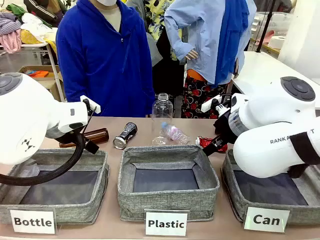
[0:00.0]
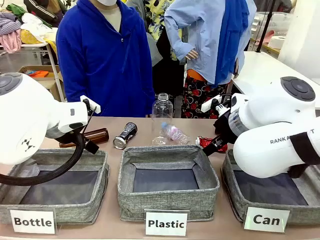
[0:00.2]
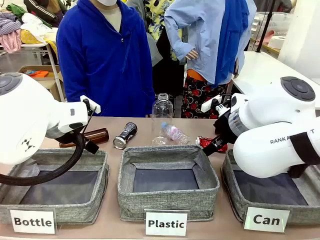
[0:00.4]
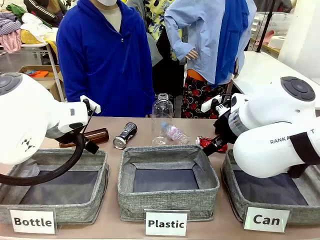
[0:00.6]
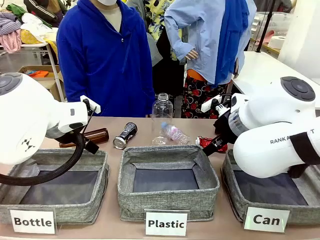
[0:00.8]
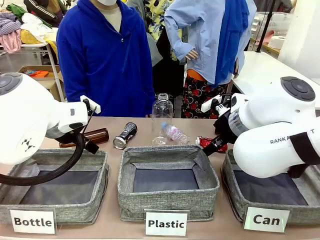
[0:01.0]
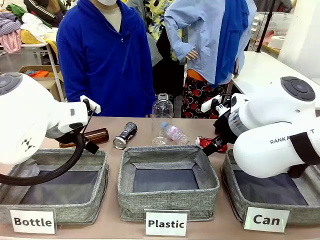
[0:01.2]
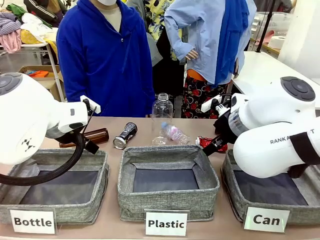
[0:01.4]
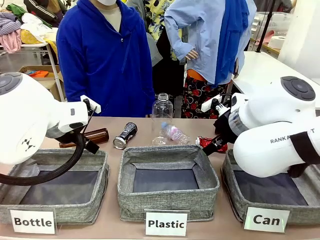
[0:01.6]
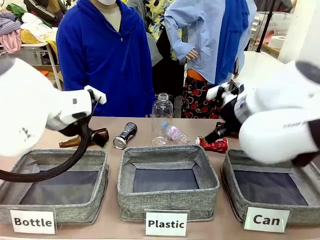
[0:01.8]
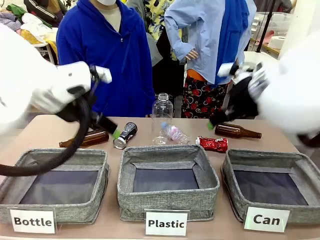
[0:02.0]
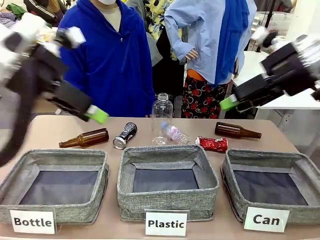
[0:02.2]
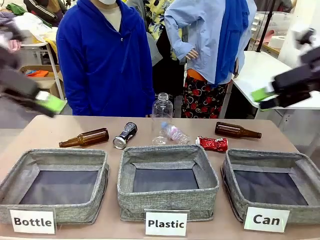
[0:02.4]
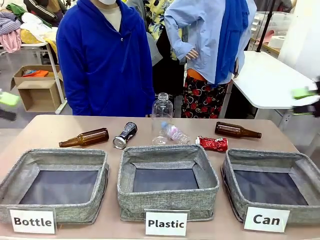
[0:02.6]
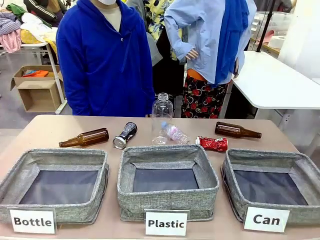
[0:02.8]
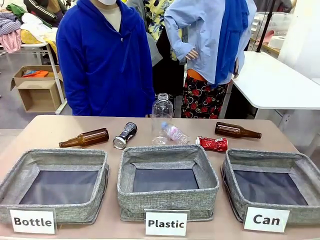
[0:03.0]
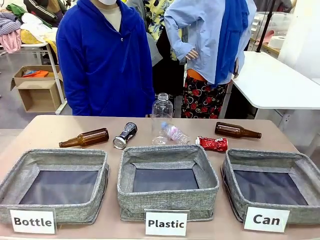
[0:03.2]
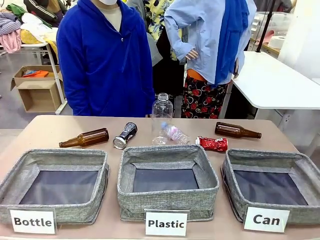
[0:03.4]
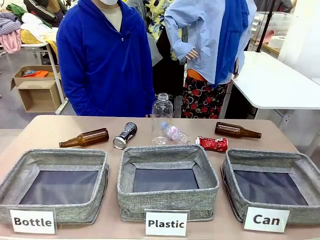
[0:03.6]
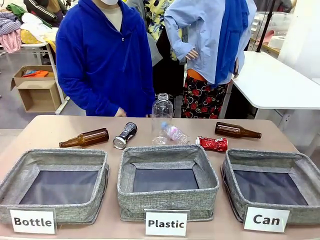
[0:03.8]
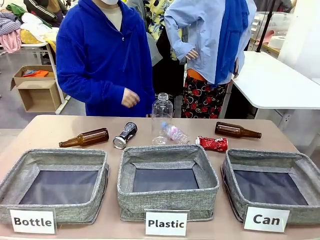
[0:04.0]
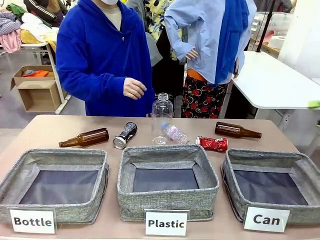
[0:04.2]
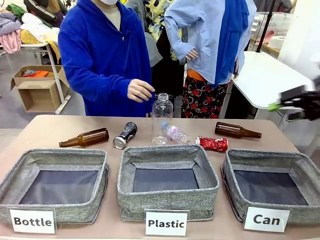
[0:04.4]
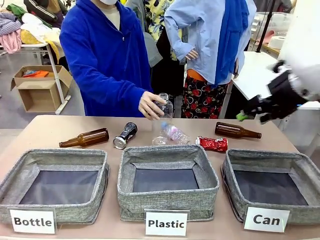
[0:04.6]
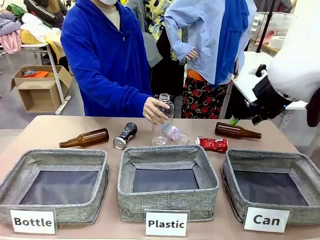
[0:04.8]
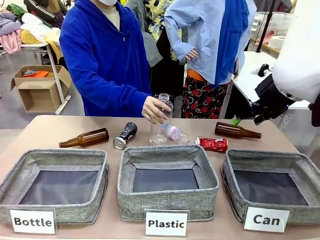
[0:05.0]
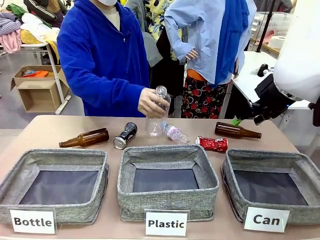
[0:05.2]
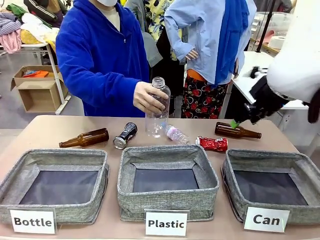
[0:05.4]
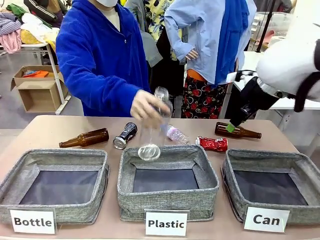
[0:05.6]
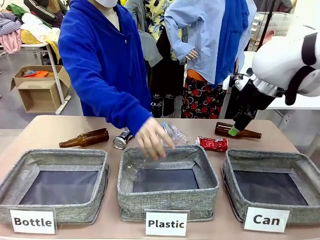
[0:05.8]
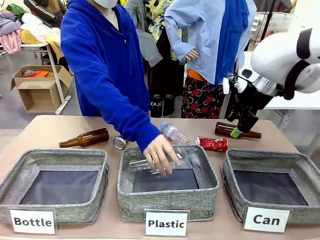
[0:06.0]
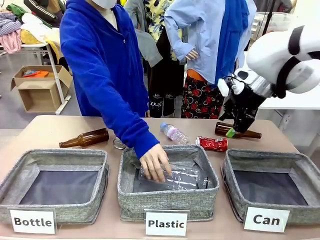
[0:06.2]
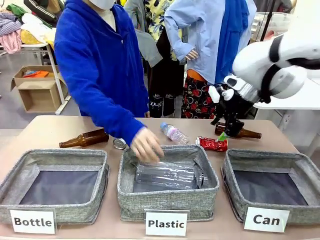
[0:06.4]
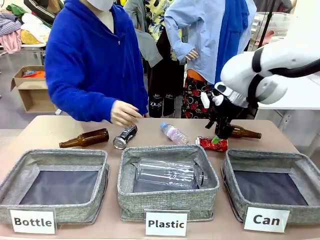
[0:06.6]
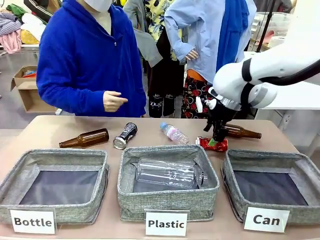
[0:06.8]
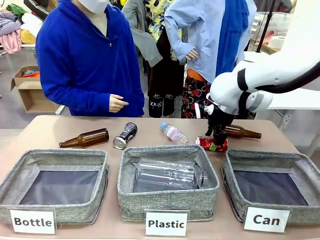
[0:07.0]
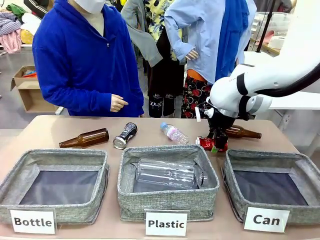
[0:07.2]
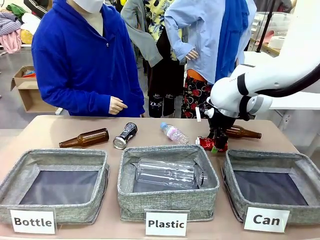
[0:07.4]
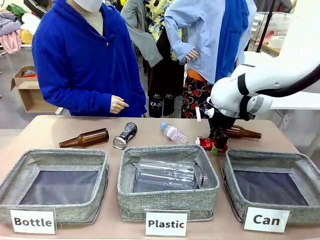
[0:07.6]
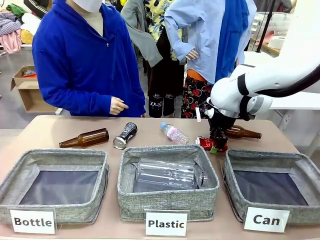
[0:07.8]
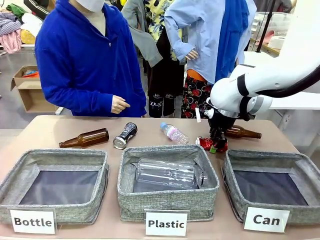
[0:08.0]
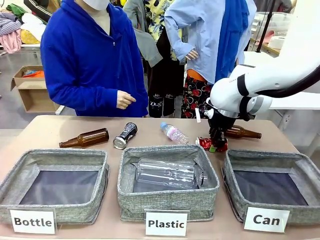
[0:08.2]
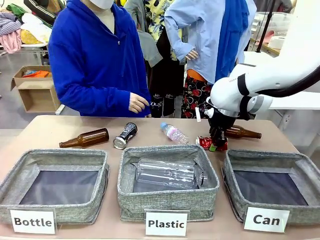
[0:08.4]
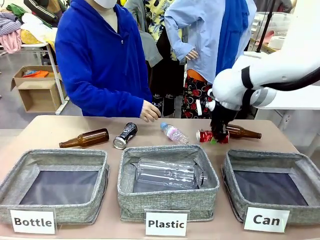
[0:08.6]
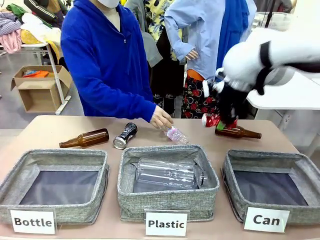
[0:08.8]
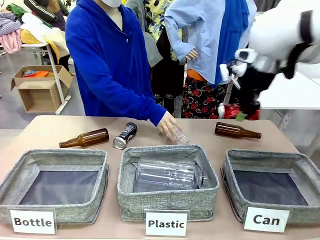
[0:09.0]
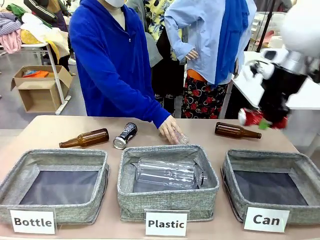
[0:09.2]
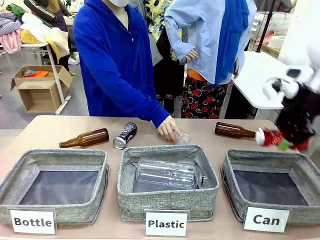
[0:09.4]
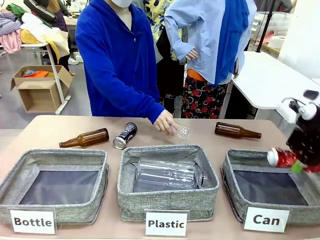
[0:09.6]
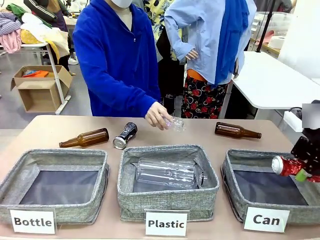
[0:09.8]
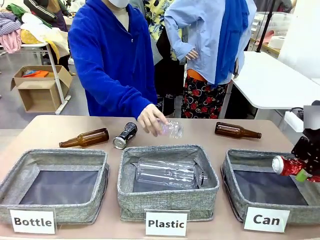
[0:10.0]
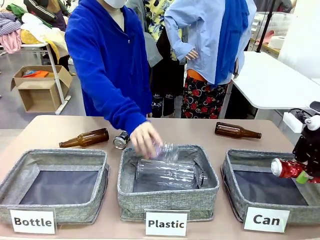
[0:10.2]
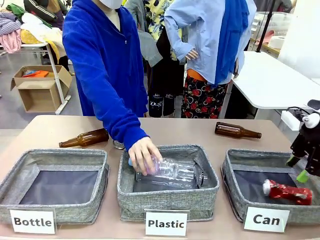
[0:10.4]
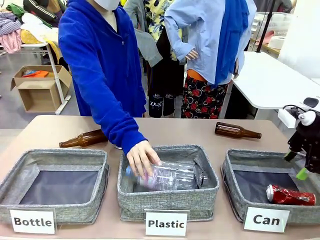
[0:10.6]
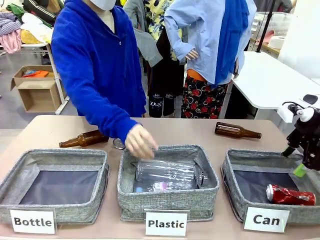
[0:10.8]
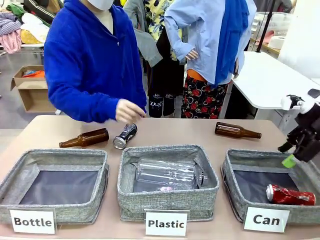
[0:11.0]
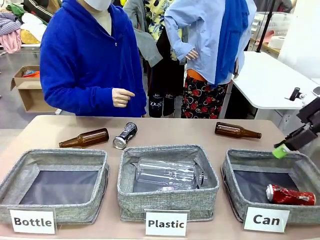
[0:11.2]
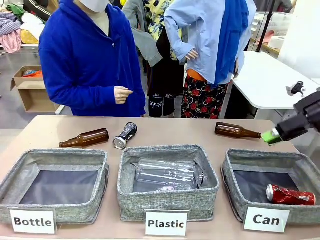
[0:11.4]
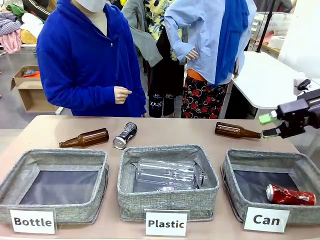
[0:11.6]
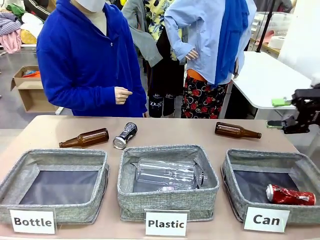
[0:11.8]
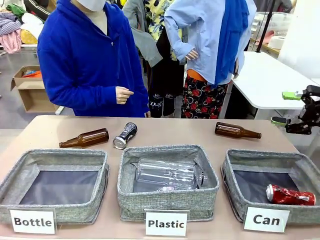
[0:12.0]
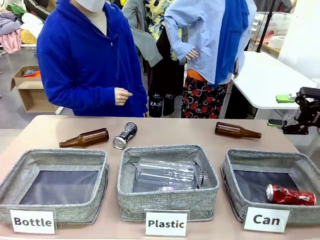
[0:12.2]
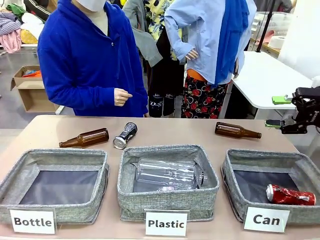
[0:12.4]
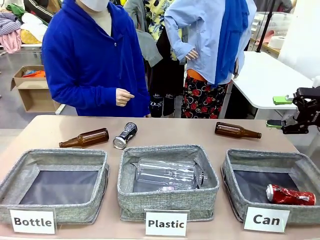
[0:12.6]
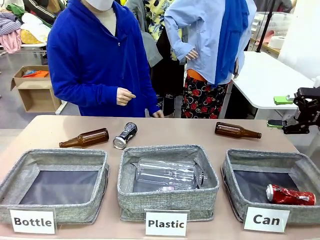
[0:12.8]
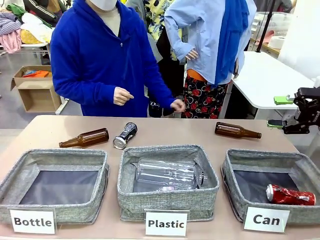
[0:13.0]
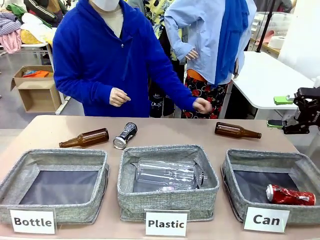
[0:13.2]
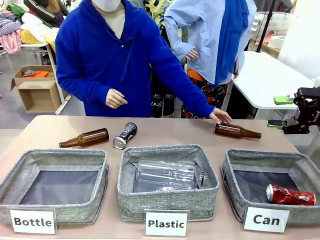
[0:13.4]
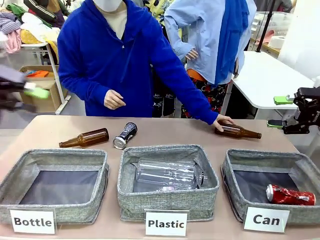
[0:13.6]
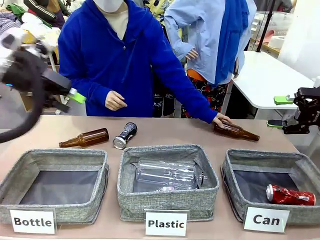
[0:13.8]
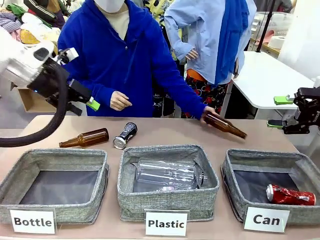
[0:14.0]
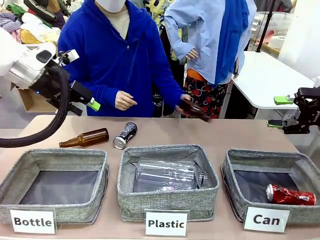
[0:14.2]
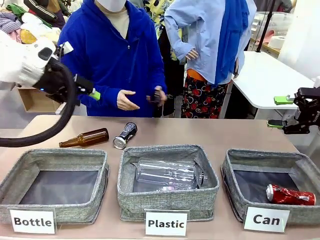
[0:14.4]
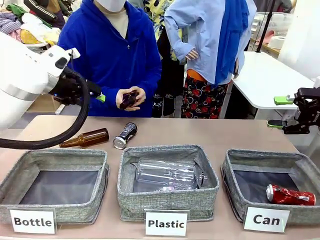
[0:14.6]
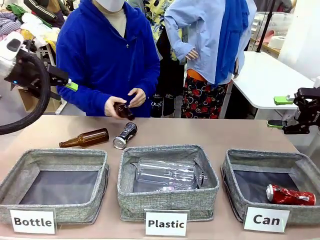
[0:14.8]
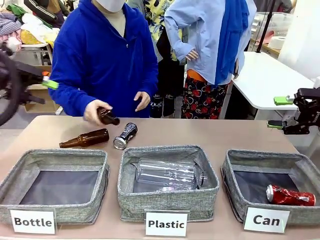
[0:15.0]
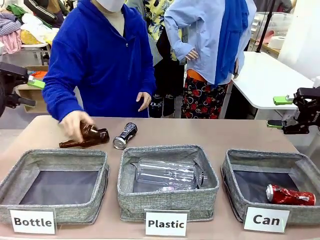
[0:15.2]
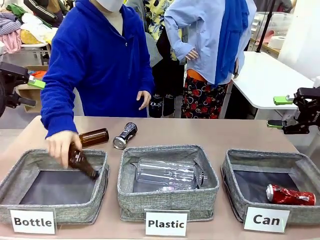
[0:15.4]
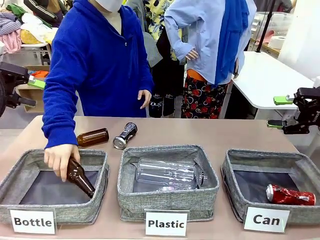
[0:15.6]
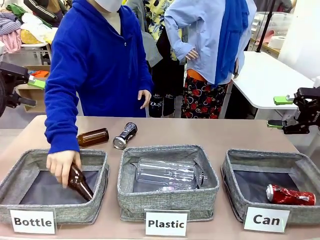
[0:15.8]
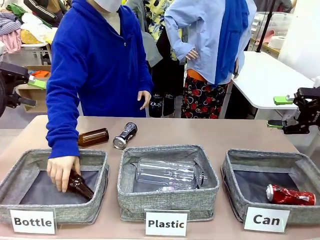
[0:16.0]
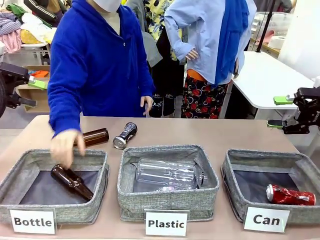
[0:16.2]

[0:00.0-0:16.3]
Task: Sort the can waste into the basket.
Robot: Pick up the can waste from the table and place it in the right Fabric basket.
